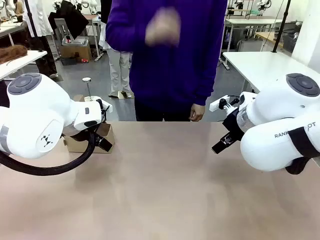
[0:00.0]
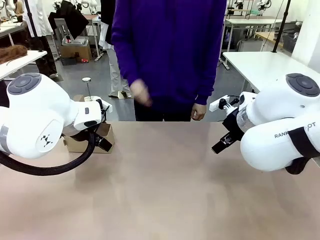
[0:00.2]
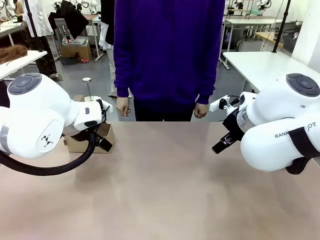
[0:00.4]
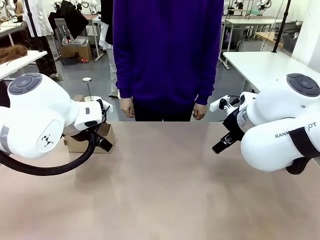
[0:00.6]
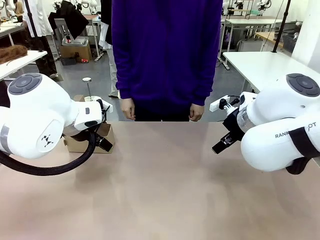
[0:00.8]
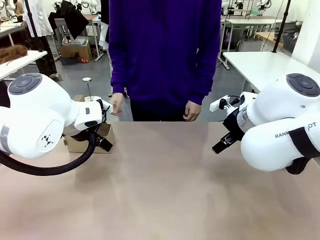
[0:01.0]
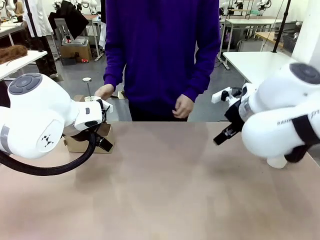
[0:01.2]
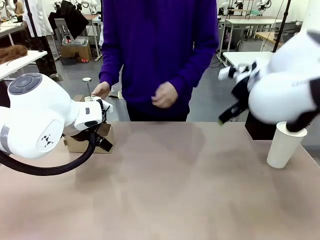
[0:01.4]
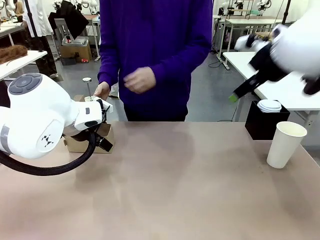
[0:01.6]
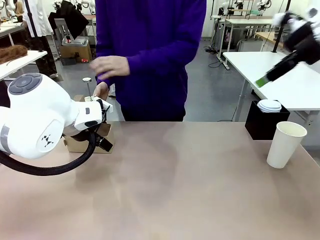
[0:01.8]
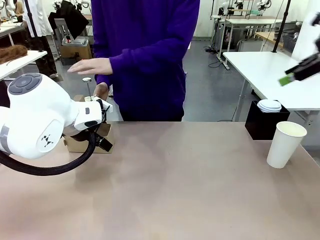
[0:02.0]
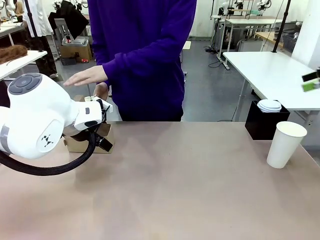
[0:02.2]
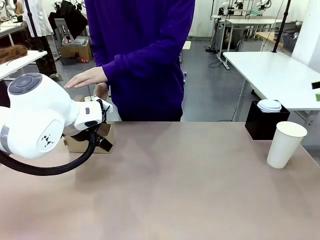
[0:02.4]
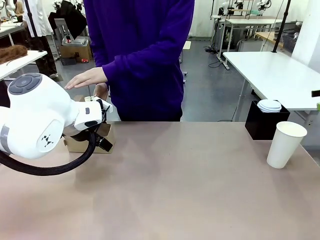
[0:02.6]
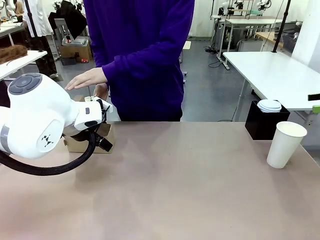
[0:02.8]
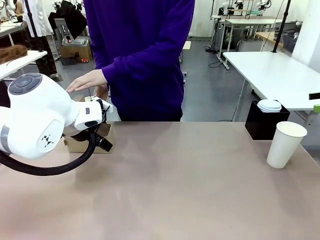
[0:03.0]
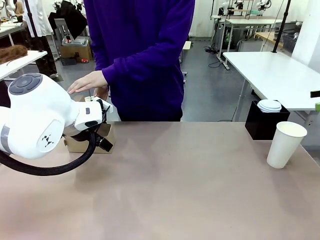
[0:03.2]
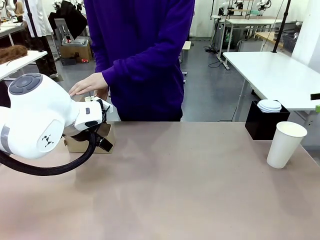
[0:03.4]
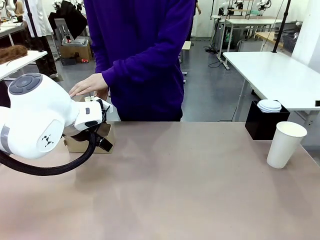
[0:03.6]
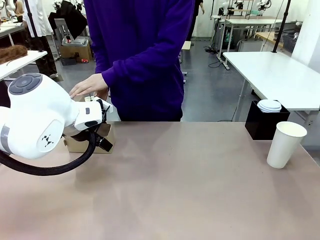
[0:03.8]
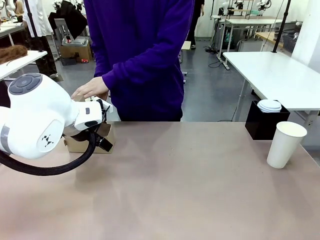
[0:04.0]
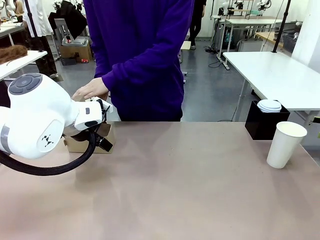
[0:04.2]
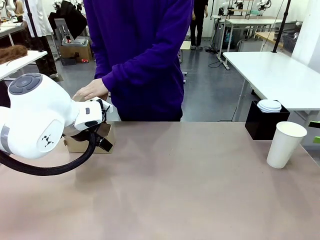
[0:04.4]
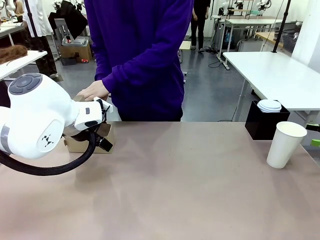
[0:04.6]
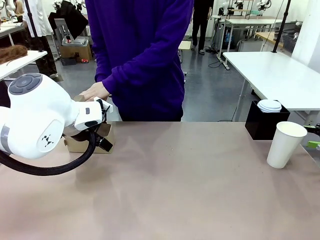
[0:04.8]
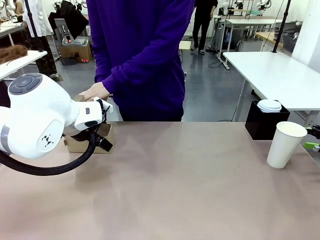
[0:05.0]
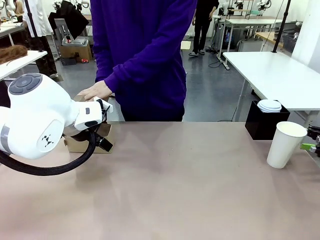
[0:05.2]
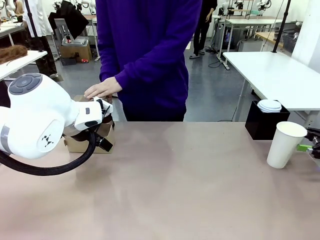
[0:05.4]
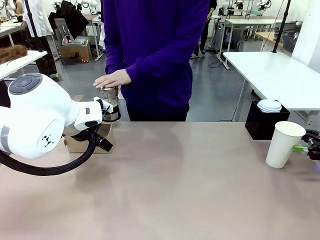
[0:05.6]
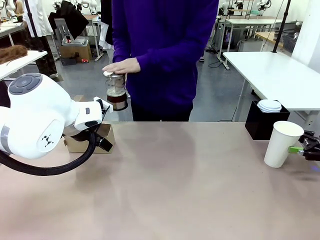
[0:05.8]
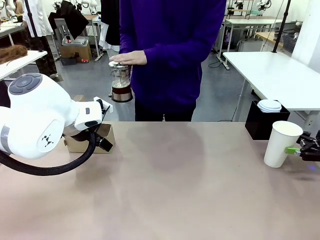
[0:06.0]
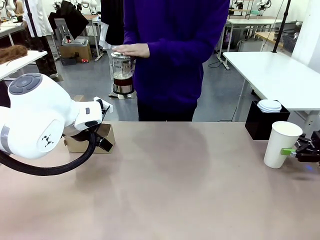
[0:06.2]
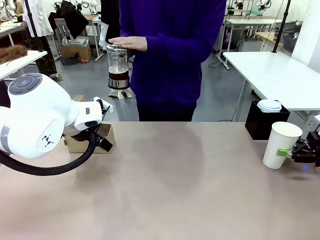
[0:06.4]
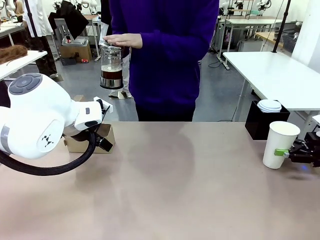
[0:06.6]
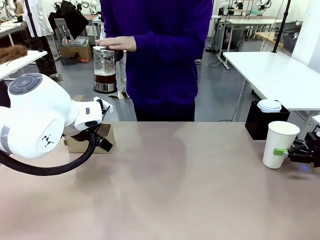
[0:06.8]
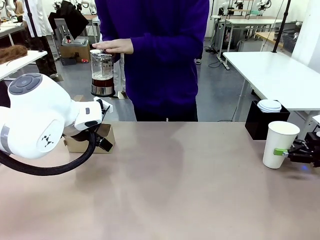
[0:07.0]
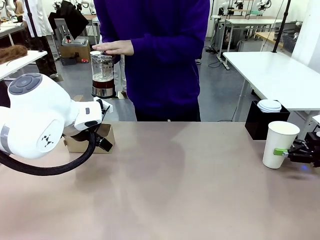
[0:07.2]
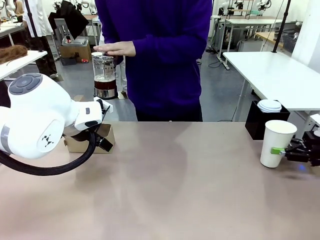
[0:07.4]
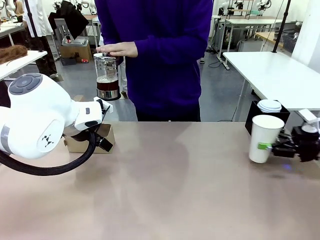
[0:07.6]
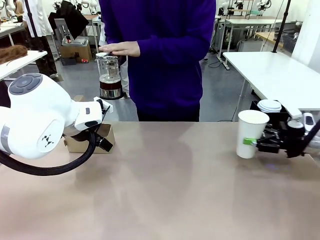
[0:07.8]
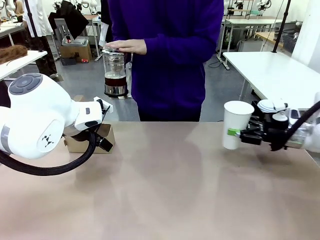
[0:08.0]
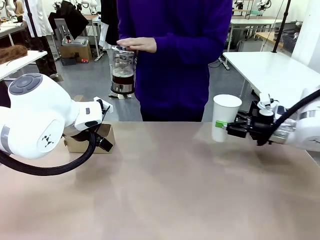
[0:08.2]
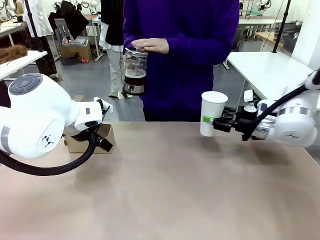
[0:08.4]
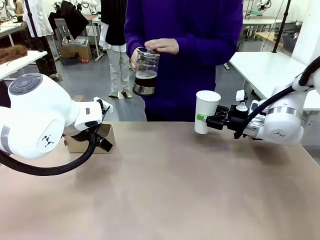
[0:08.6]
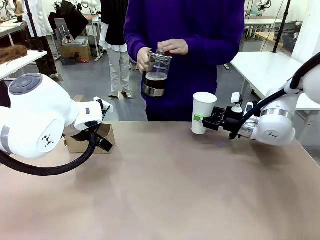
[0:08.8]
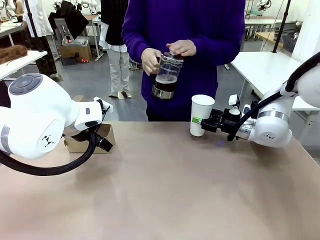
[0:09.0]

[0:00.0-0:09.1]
Task: Pour a drink into a cup and package it in a carrier.
Robot: Pick up the 600 ml Paper Cup and place it in the middle top area of the table.
Person: Press and pick up the Filter Brewing.

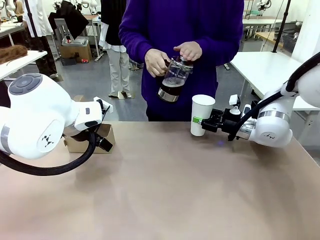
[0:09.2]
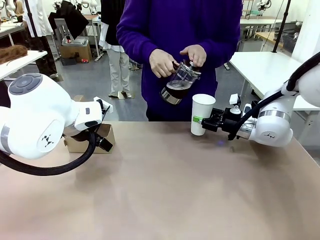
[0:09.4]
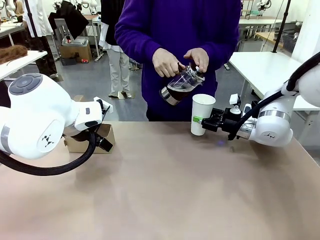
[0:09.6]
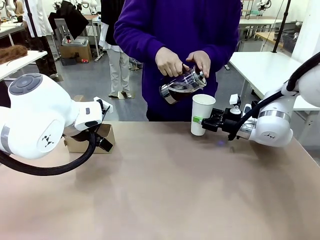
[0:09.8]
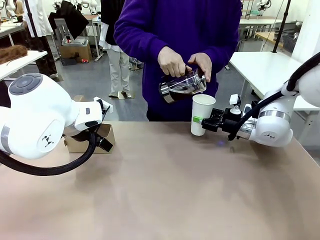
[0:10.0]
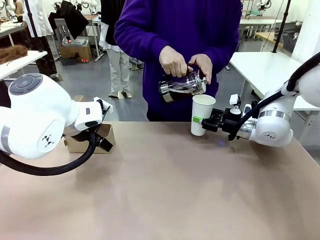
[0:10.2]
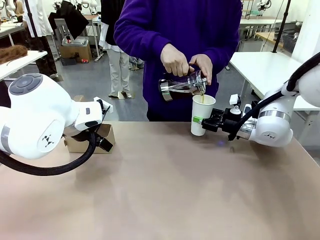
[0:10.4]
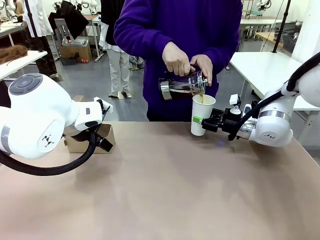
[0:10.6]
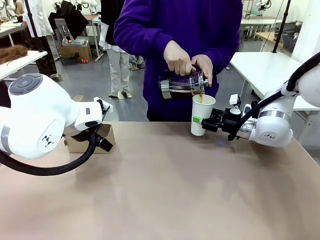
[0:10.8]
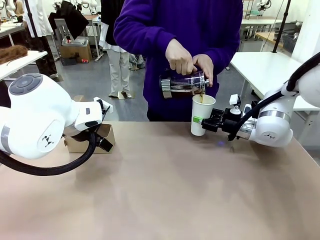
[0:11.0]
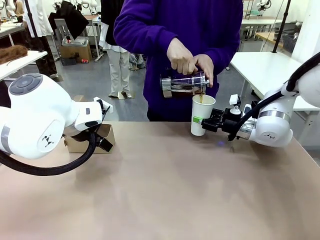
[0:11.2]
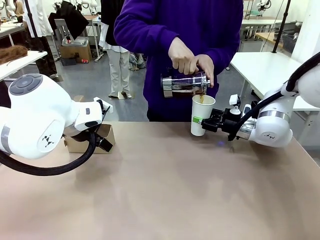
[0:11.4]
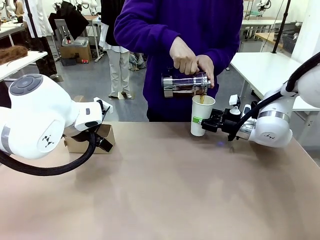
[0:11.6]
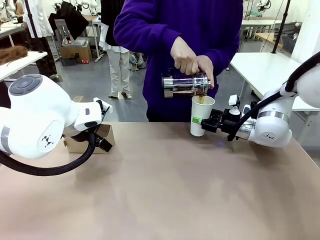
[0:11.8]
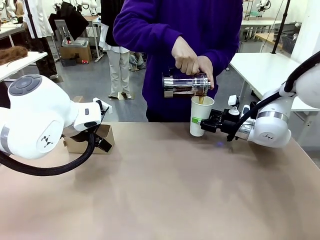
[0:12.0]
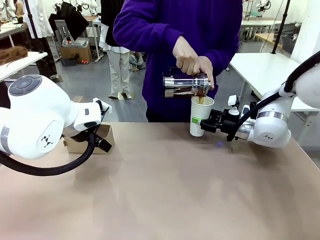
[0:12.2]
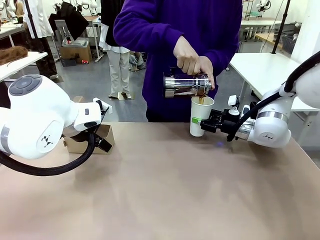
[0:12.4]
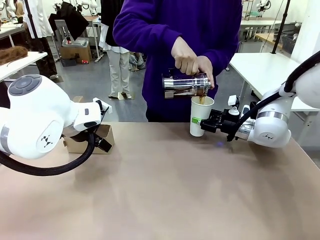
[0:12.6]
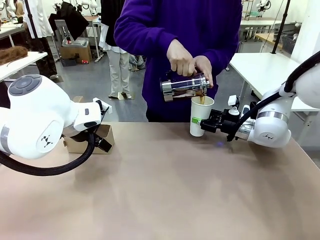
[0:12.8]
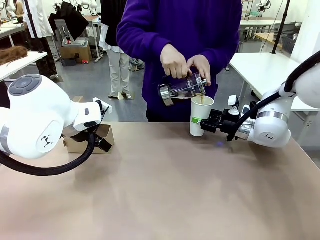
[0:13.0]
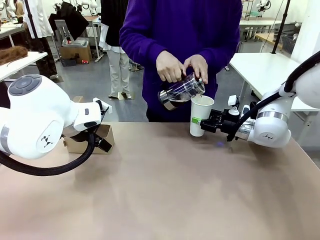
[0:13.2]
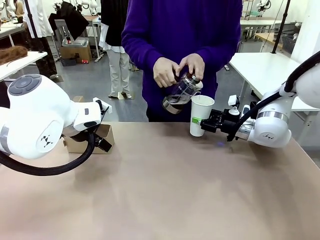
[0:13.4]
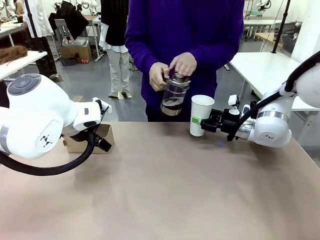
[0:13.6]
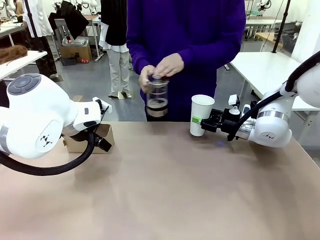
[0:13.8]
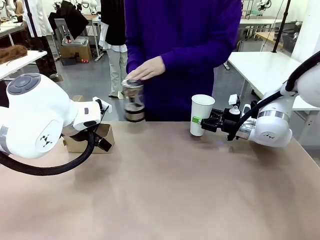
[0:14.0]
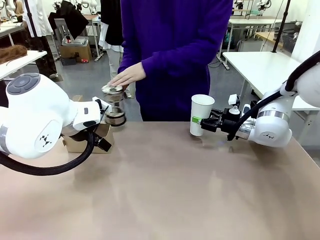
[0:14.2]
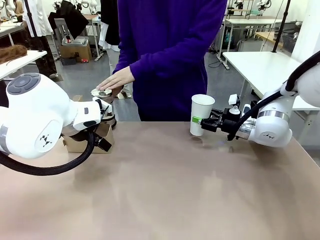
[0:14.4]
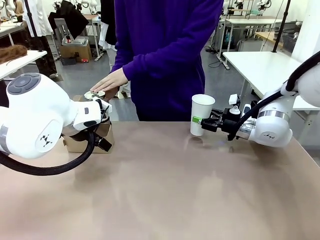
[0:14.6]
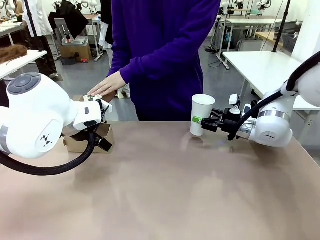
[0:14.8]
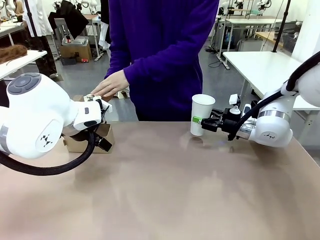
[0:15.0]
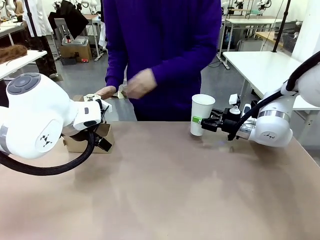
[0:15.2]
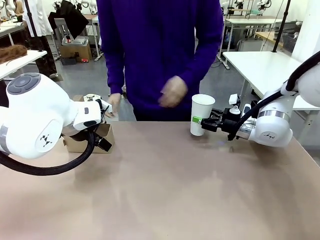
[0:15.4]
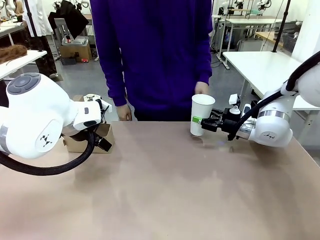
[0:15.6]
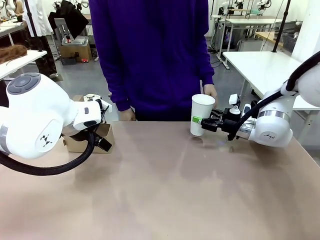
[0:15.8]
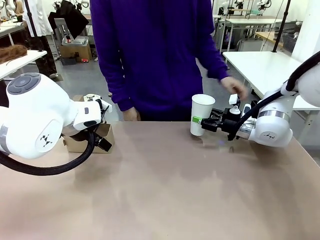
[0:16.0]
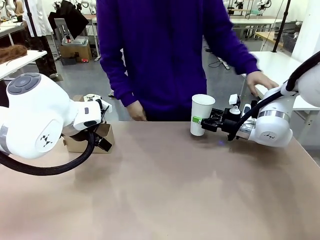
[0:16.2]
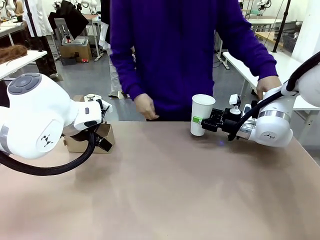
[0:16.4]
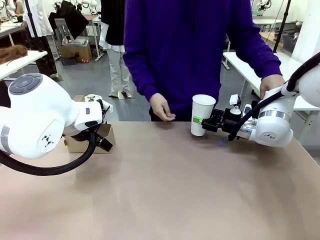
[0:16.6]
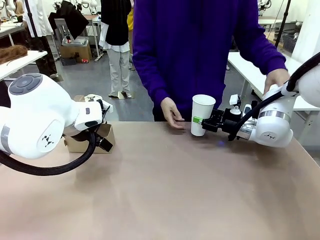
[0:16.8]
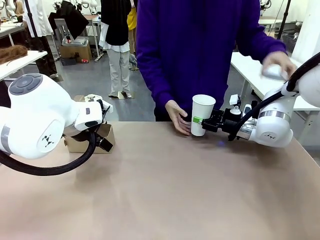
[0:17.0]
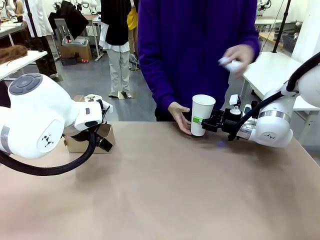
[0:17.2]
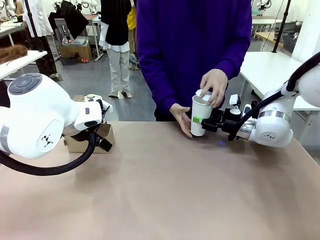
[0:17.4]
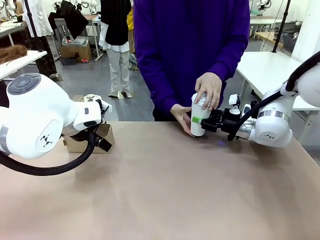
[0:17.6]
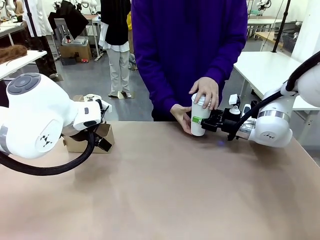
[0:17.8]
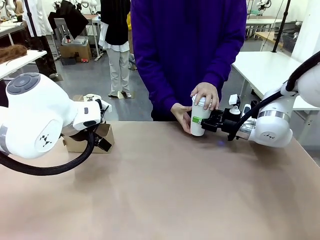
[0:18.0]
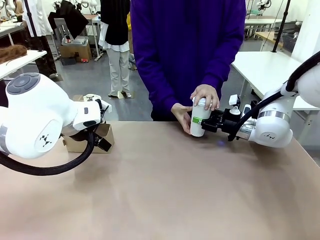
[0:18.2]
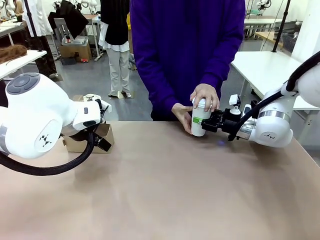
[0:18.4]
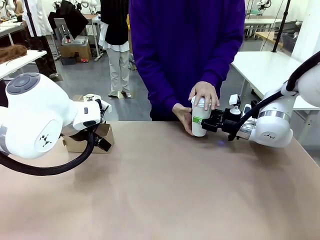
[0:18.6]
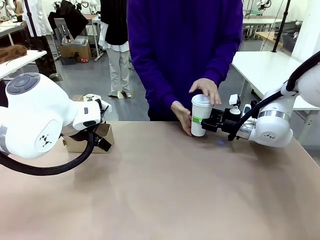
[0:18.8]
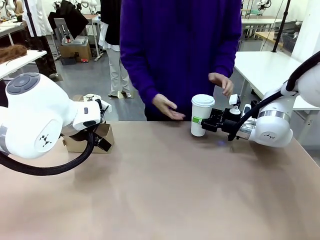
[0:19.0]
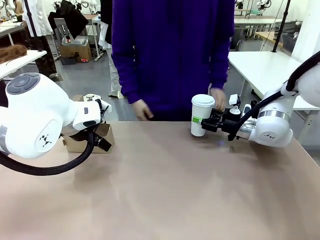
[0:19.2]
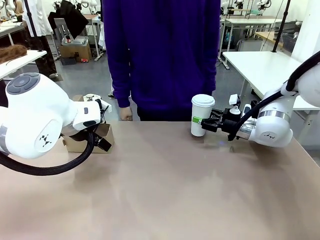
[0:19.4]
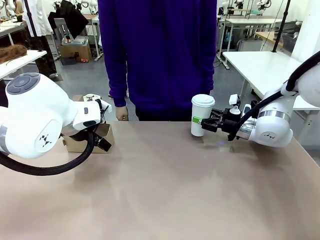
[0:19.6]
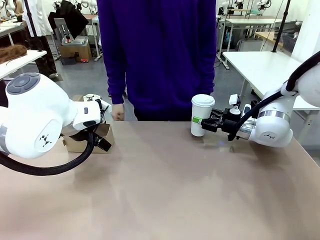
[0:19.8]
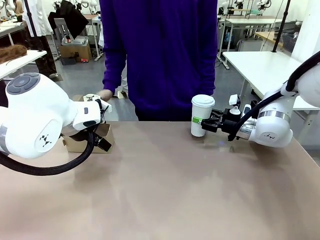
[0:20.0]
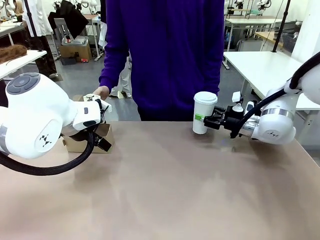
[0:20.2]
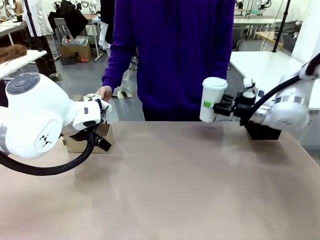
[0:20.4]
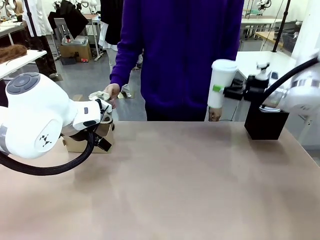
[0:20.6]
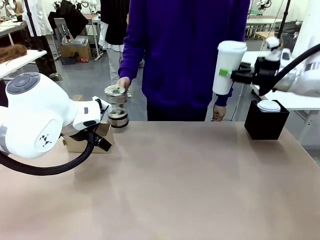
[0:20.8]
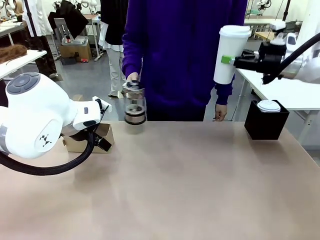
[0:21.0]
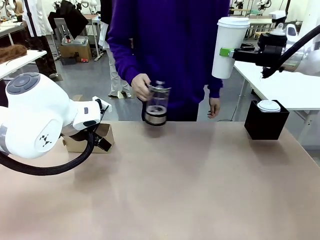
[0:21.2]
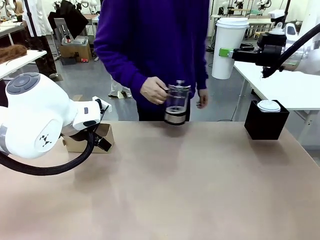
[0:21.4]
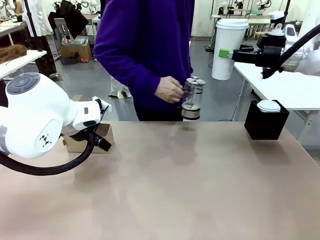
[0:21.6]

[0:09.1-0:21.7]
Robot: When a person places the Paper Cup Lid on the 600 ml Paper Cup , lift the 600 ml Paper Cup.
Person: Pour the drink from the Filter Brewing into the 600 ml Paper Cup. Place a Paper Cup Lid on the 600 ml Paper Cup.
